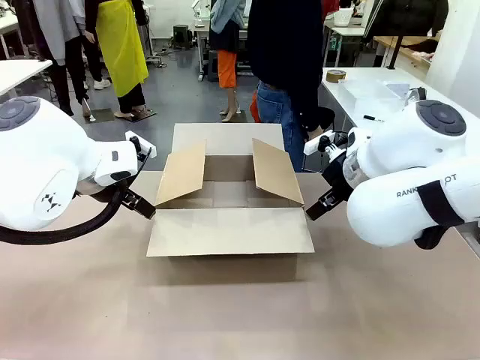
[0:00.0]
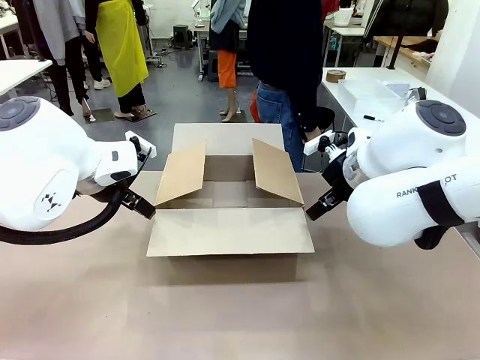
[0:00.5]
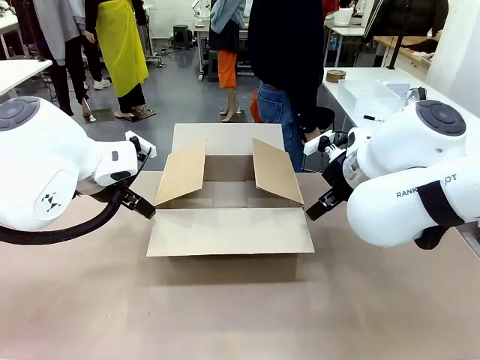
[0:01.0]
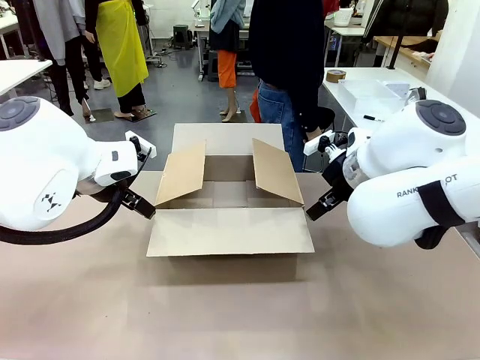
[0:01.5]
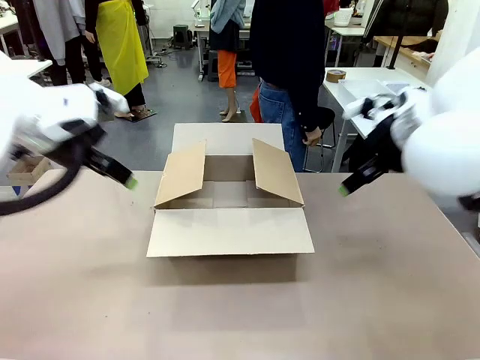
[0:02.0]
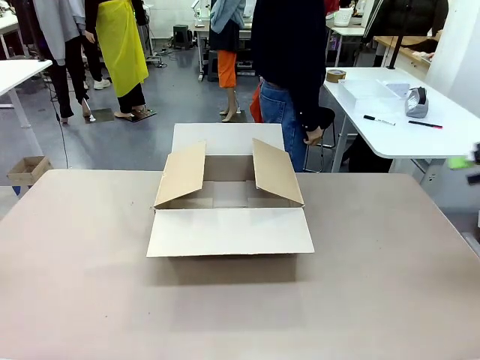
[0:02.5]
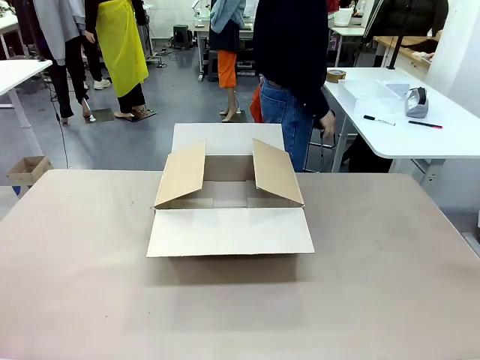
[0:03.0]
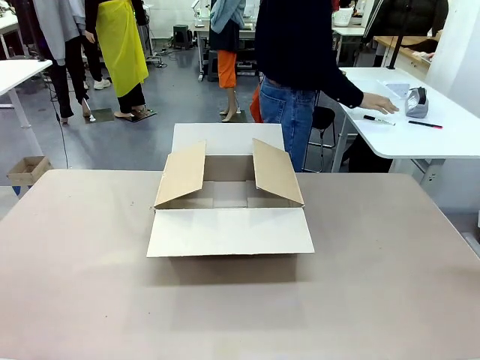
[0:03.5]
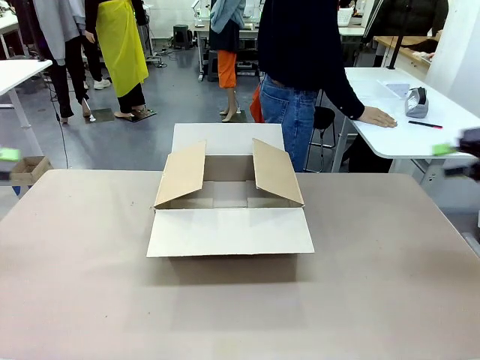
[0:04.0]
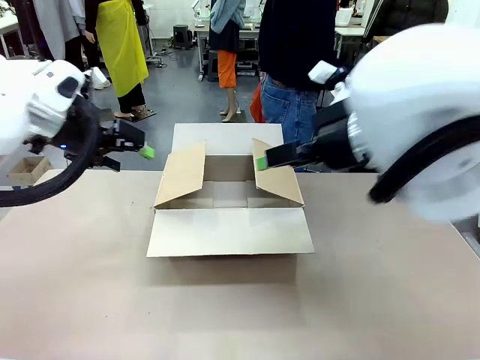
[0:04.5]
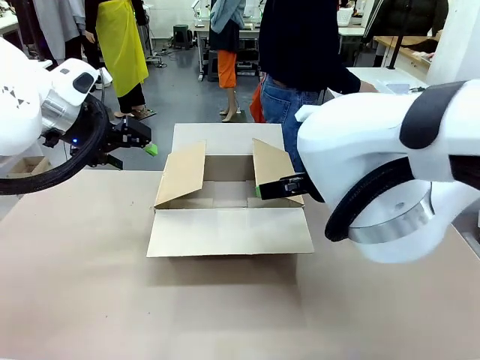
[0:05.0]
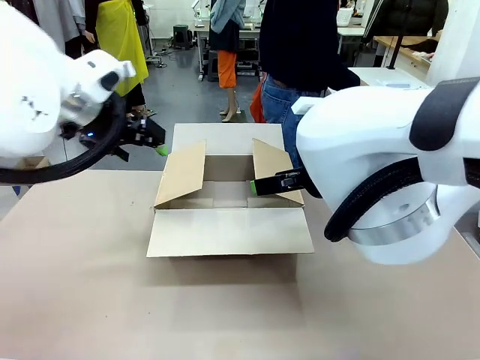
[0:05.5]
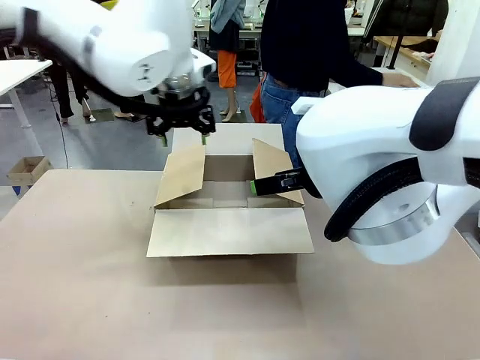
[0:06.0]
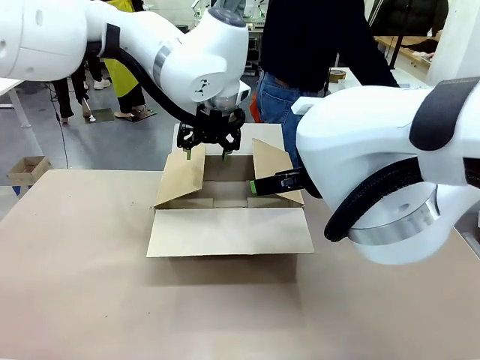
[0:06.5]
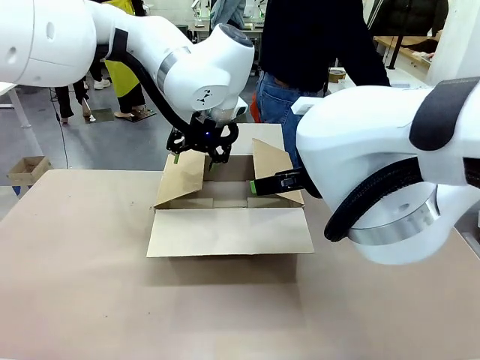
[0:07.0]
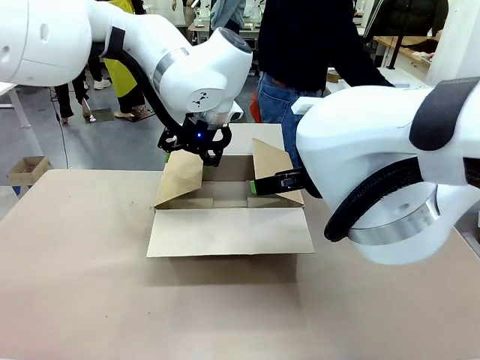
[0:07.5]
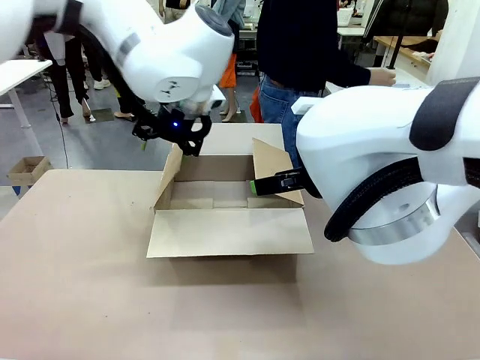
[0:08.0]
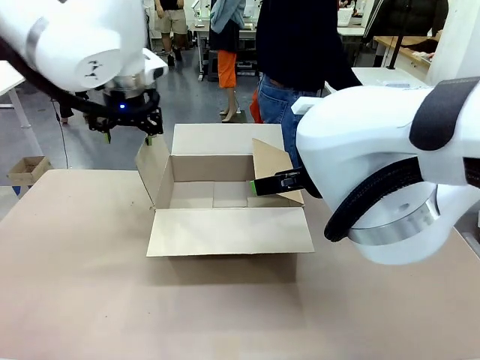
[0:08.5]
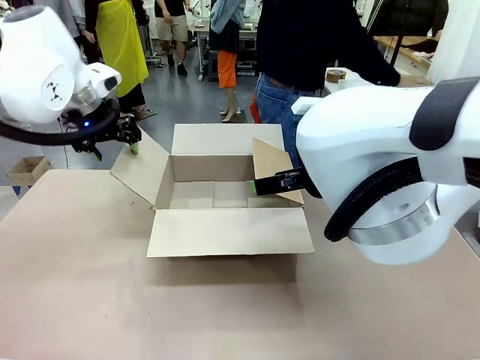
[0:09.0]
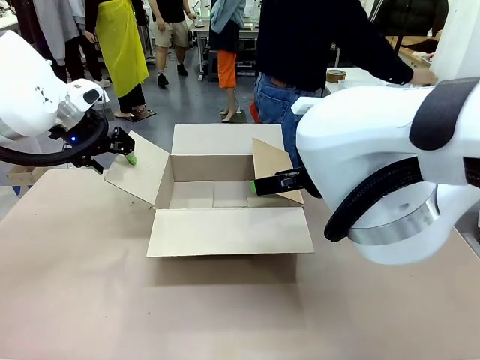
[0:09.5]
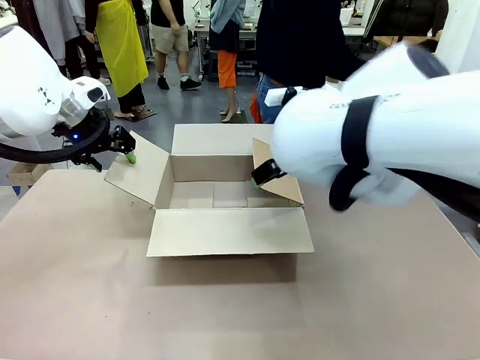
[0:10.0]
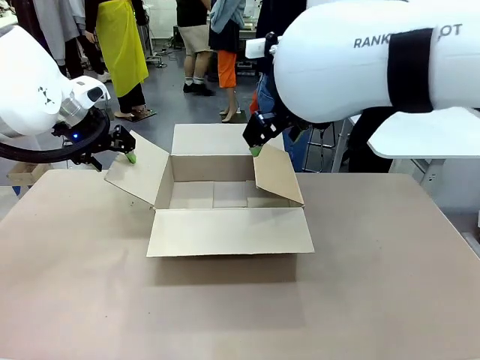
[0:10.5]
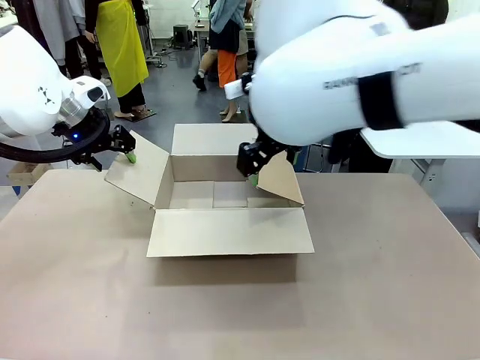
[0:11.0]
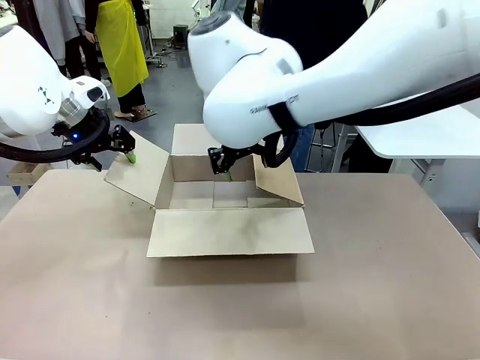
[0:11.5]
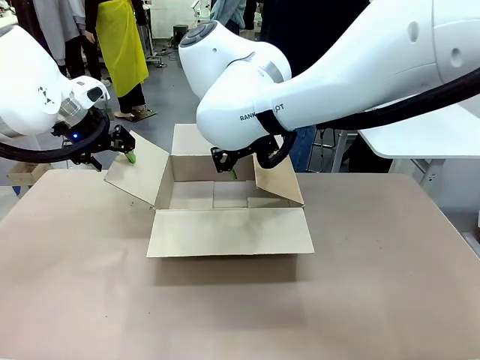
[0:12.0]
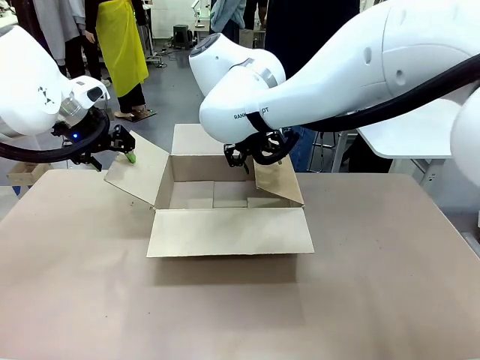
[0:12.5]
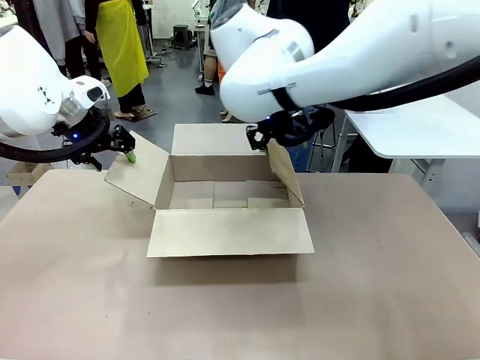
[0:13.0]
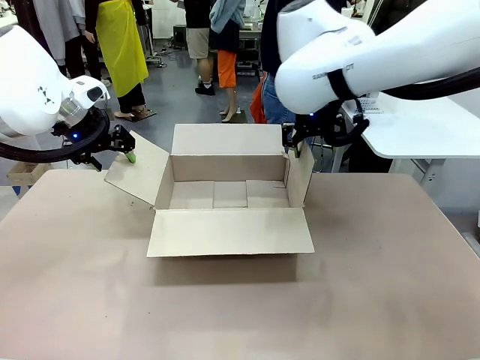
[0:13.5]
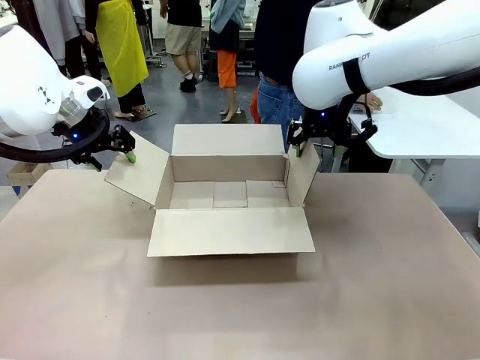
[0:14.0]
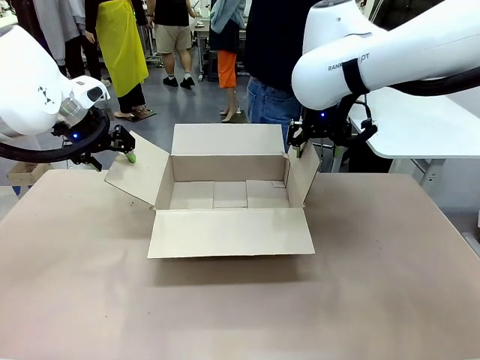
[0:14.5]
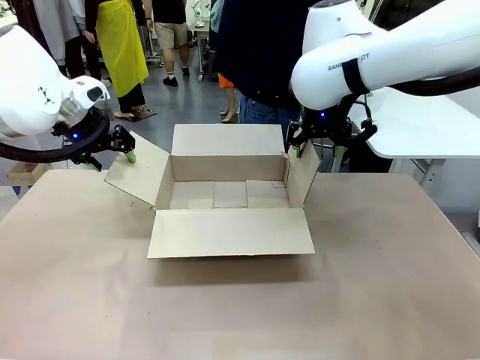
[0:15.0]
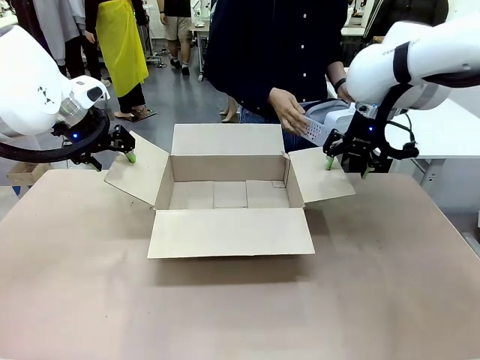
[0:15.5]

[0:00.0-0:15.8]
Task: Pack the gift set into the box.
Robot: Place both hands on the side flaps of the Package Box and spread them outward.
Person: The human places all items except the paper tape into the organizing basket.

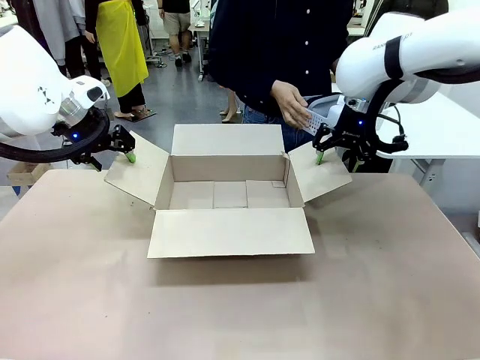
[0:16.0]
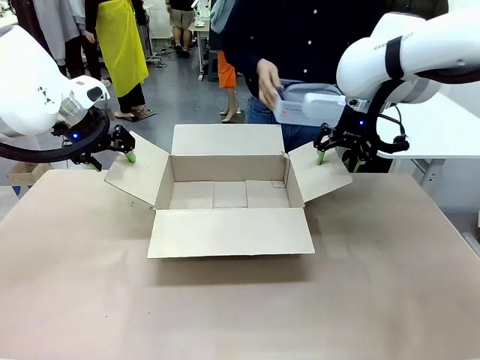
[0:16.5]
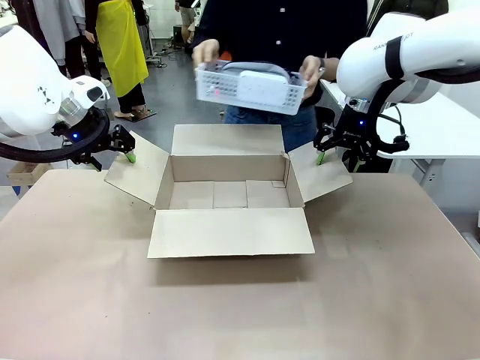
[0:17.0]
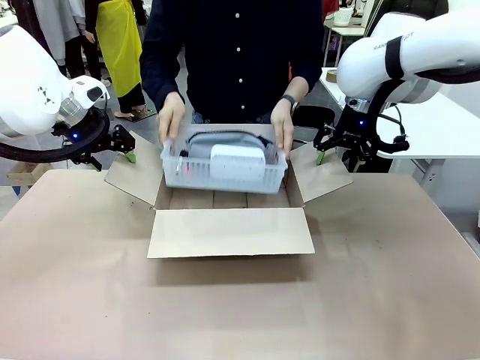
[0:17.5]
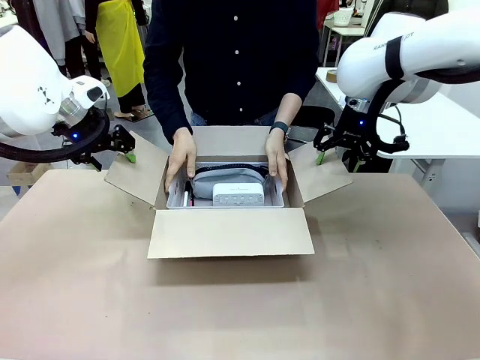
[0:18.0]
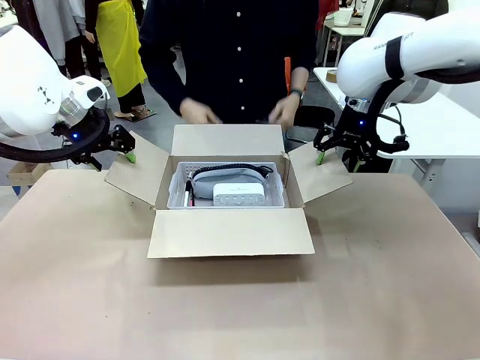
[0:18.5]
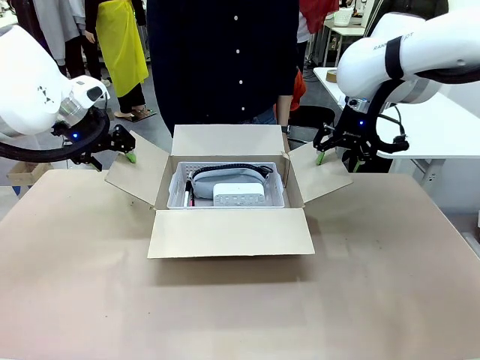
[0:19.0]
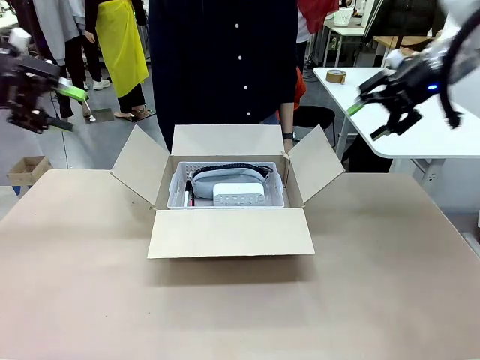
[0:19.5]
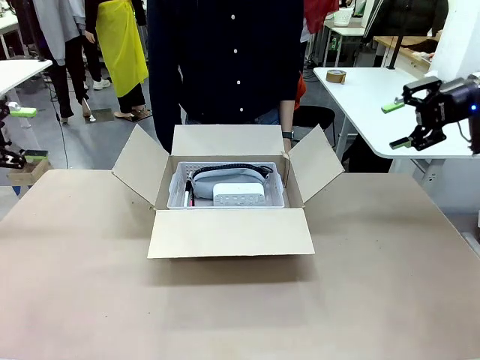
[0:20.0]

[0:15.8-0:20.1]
Robot: Lift both hands away from the flaps of the Package Box.
Person: The human picks up the organizing basket and places the organizing basket into the package box on the robot table.
